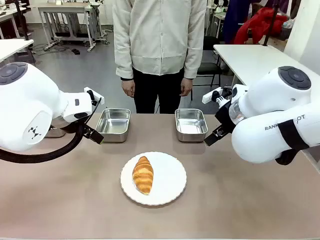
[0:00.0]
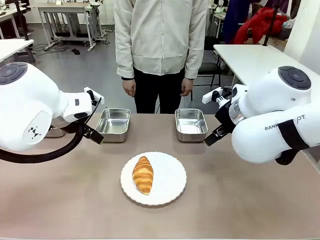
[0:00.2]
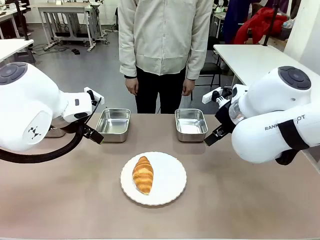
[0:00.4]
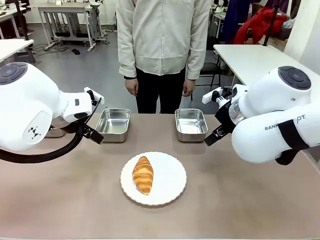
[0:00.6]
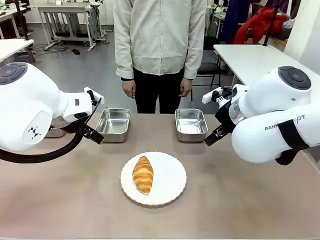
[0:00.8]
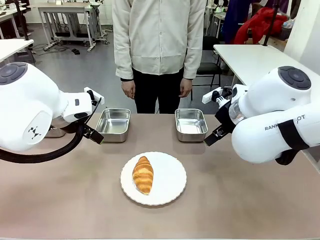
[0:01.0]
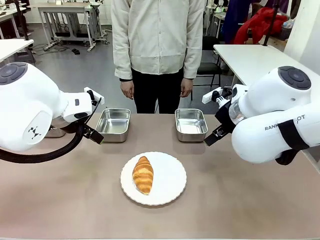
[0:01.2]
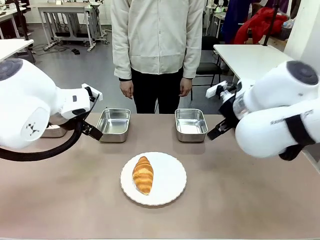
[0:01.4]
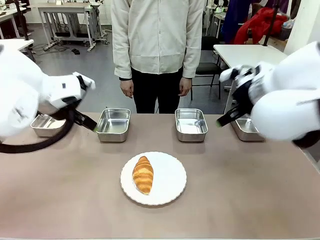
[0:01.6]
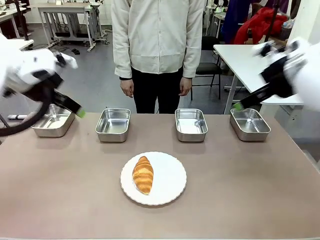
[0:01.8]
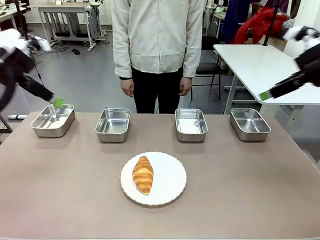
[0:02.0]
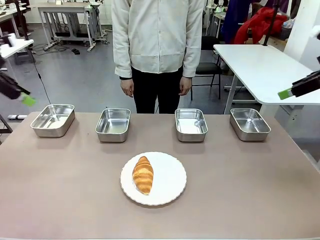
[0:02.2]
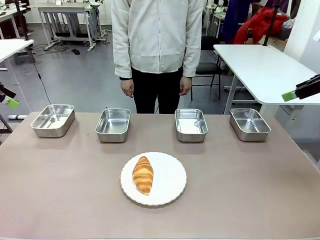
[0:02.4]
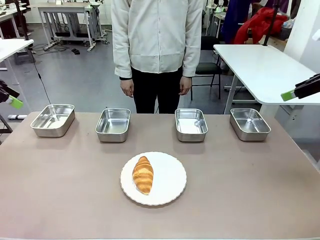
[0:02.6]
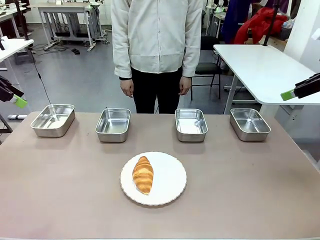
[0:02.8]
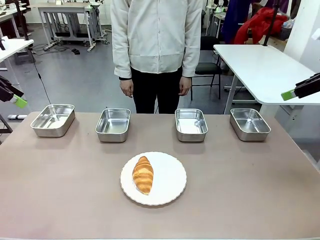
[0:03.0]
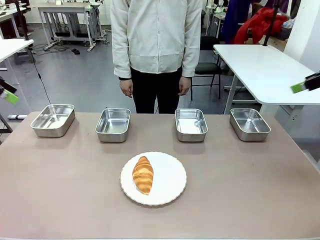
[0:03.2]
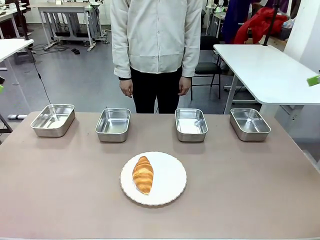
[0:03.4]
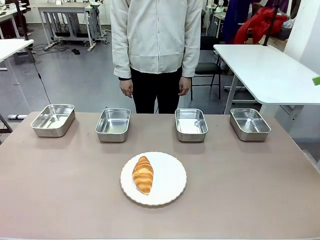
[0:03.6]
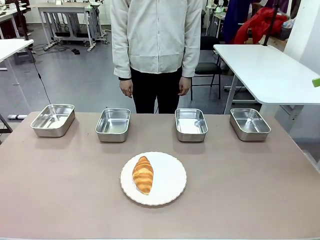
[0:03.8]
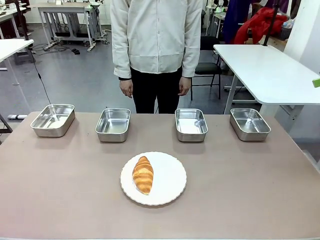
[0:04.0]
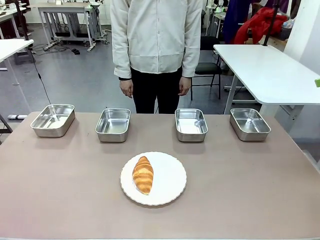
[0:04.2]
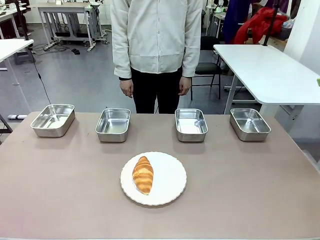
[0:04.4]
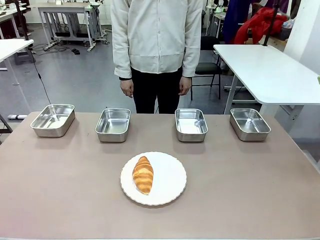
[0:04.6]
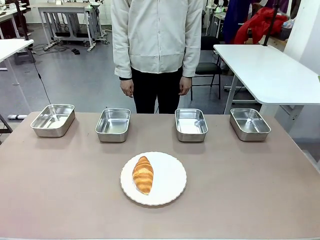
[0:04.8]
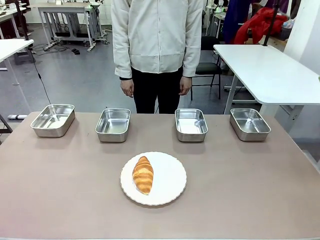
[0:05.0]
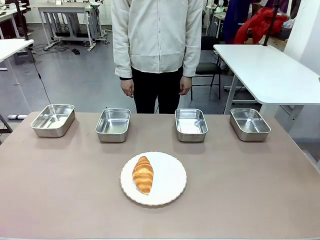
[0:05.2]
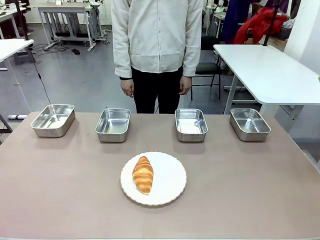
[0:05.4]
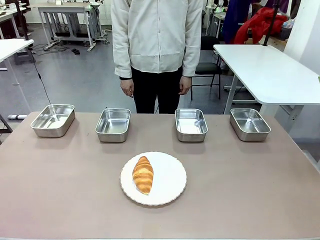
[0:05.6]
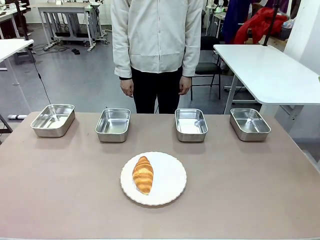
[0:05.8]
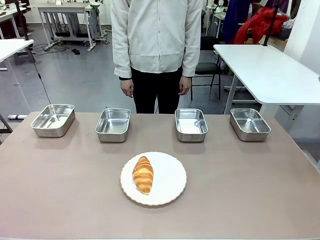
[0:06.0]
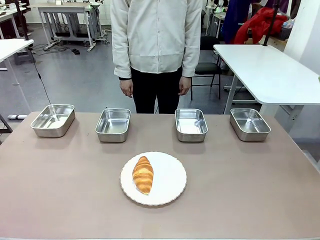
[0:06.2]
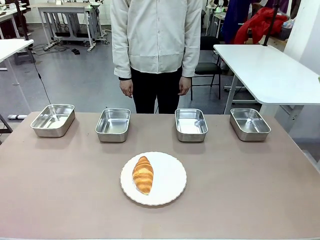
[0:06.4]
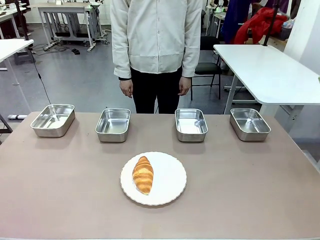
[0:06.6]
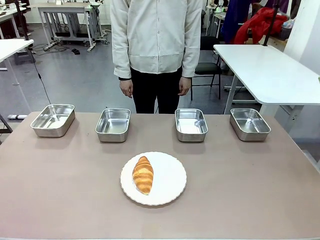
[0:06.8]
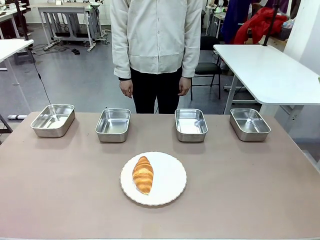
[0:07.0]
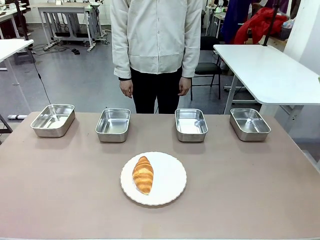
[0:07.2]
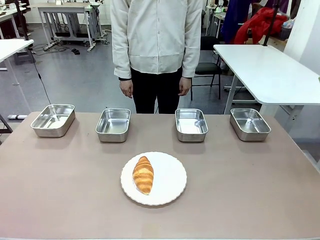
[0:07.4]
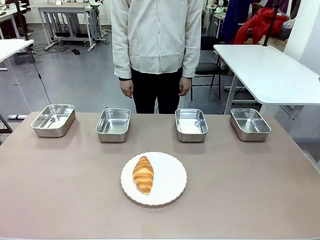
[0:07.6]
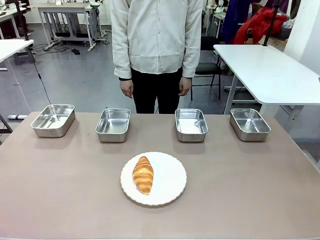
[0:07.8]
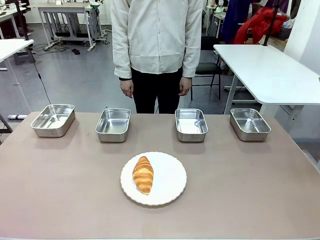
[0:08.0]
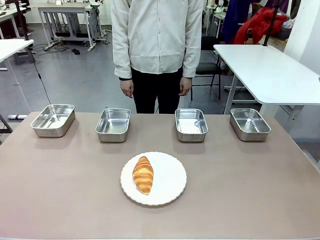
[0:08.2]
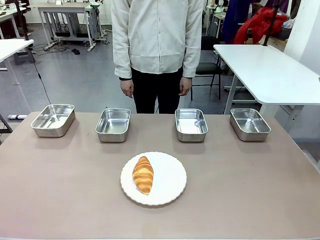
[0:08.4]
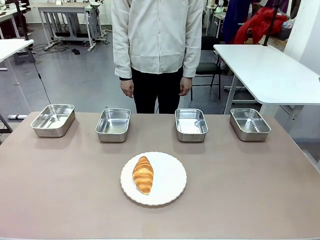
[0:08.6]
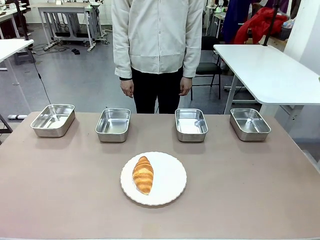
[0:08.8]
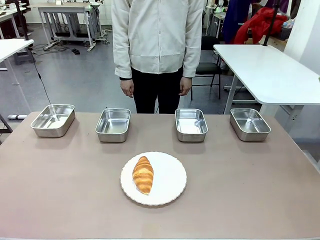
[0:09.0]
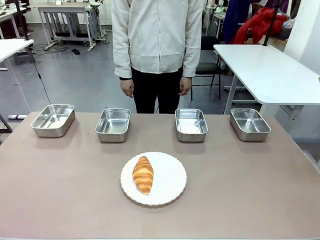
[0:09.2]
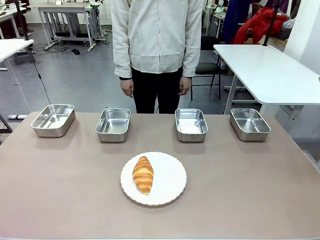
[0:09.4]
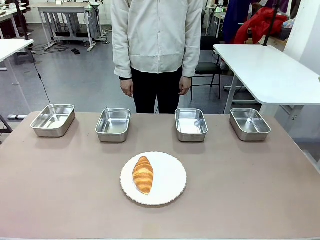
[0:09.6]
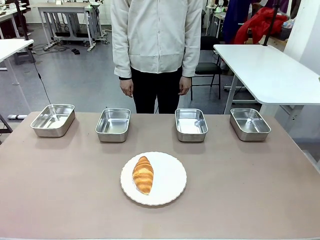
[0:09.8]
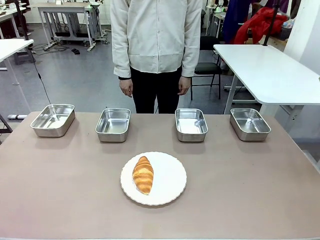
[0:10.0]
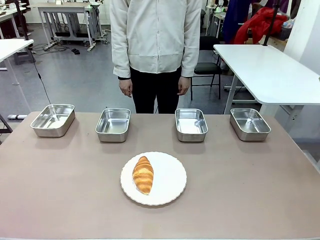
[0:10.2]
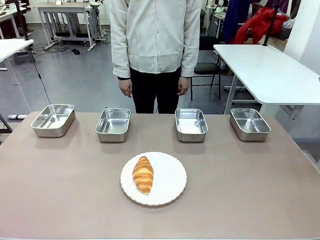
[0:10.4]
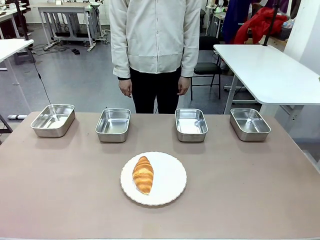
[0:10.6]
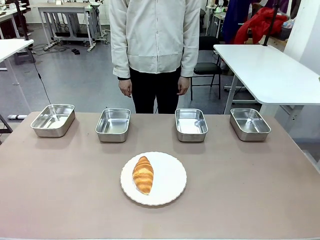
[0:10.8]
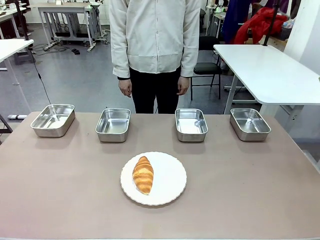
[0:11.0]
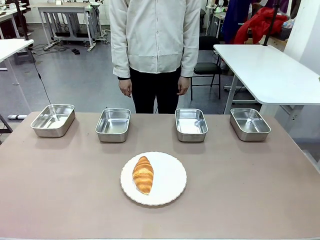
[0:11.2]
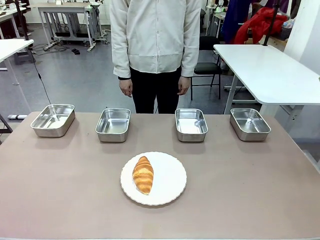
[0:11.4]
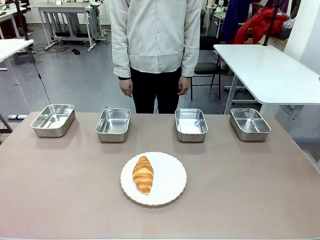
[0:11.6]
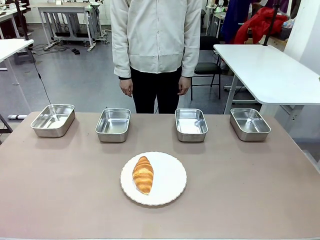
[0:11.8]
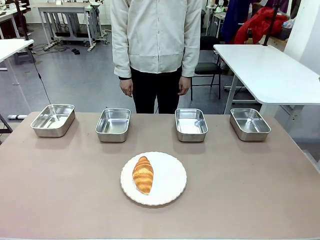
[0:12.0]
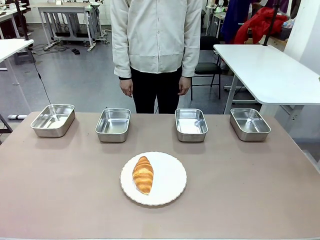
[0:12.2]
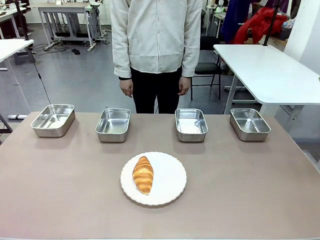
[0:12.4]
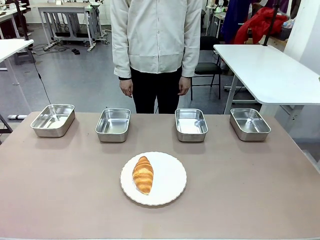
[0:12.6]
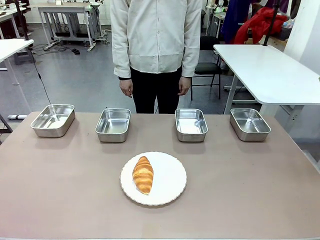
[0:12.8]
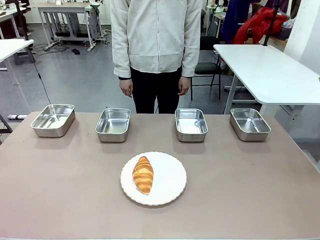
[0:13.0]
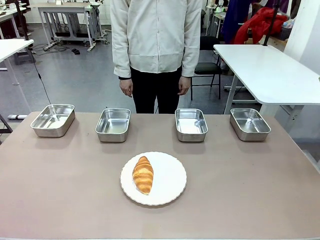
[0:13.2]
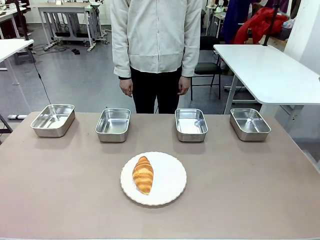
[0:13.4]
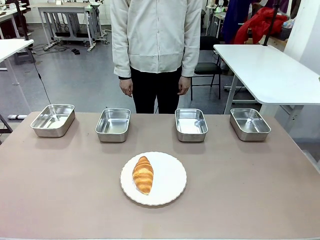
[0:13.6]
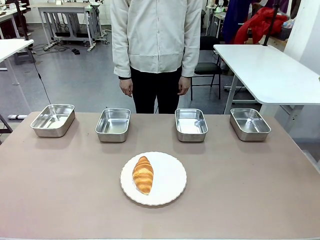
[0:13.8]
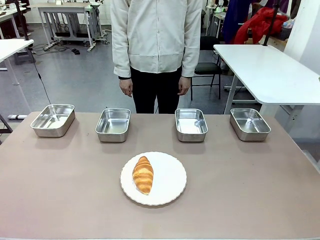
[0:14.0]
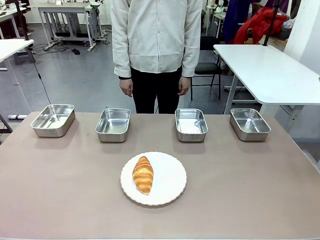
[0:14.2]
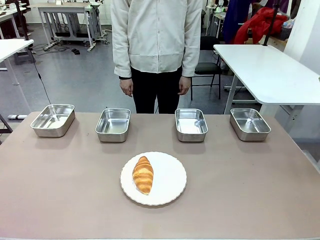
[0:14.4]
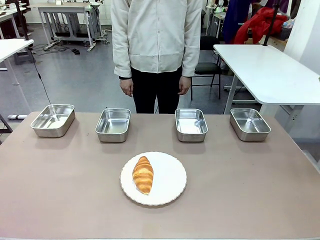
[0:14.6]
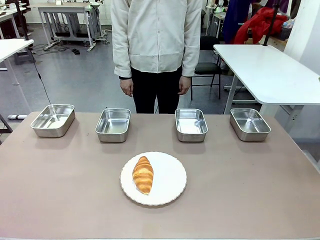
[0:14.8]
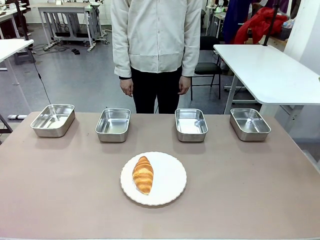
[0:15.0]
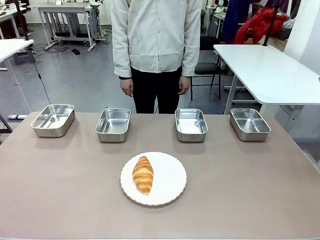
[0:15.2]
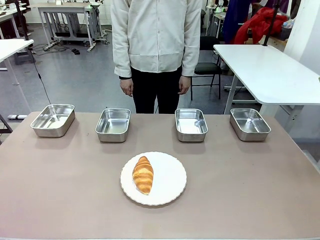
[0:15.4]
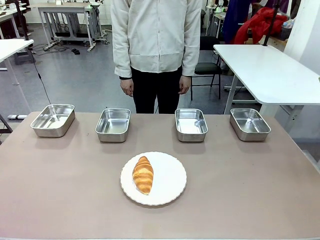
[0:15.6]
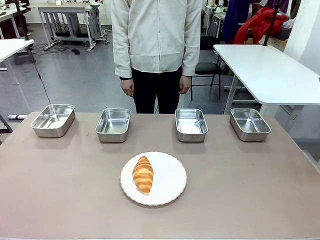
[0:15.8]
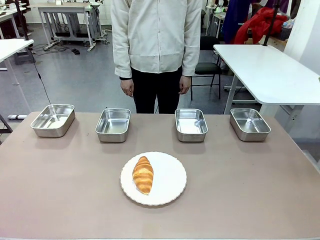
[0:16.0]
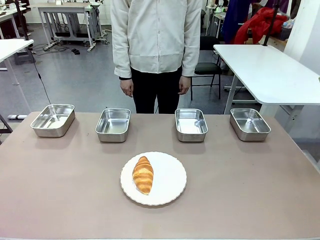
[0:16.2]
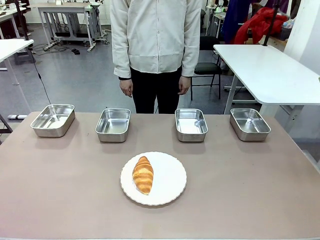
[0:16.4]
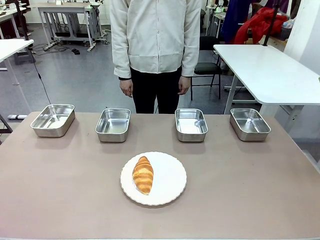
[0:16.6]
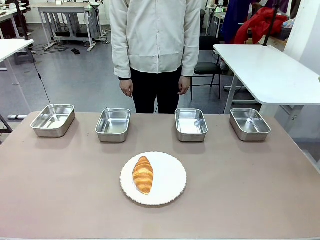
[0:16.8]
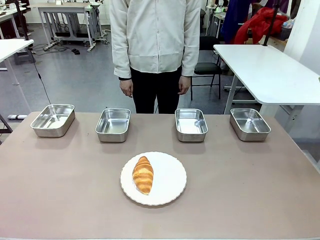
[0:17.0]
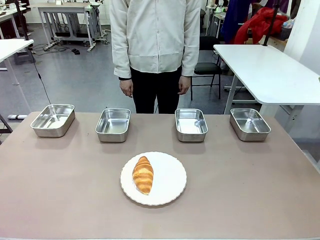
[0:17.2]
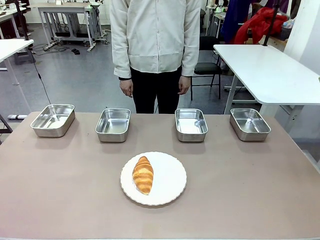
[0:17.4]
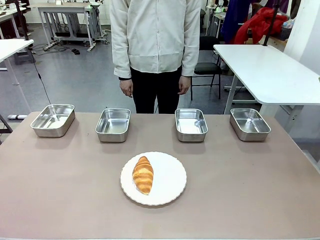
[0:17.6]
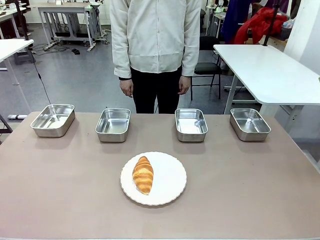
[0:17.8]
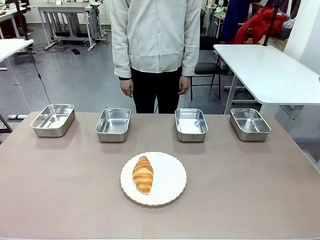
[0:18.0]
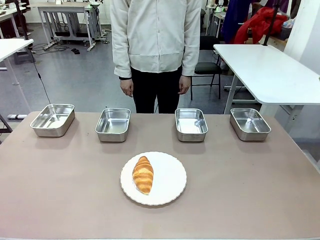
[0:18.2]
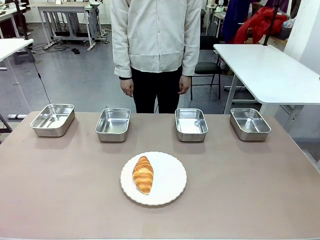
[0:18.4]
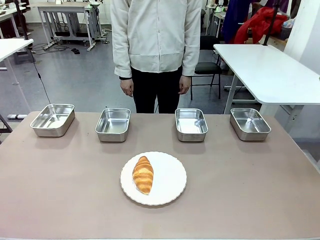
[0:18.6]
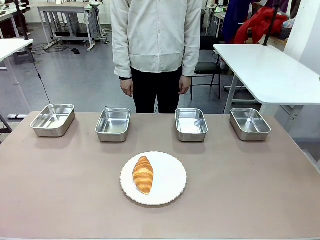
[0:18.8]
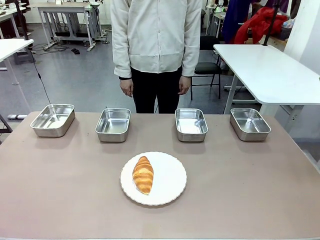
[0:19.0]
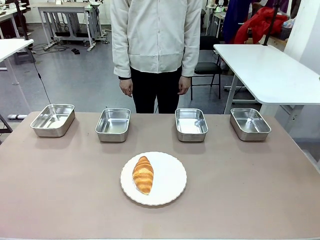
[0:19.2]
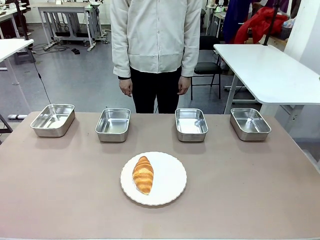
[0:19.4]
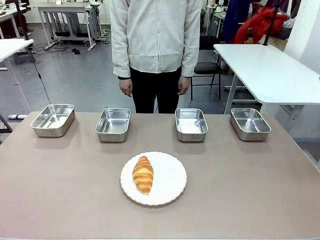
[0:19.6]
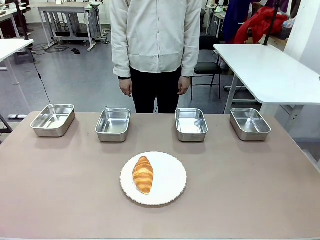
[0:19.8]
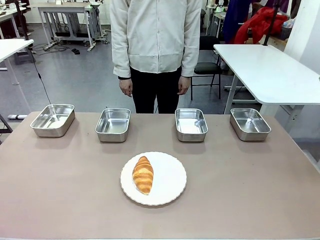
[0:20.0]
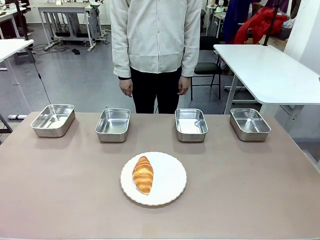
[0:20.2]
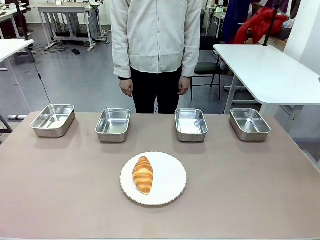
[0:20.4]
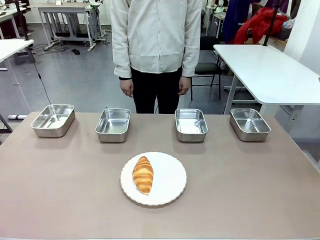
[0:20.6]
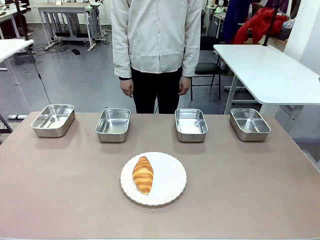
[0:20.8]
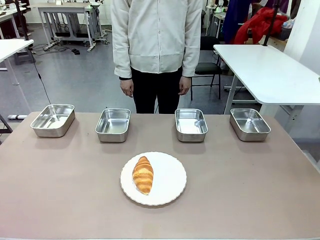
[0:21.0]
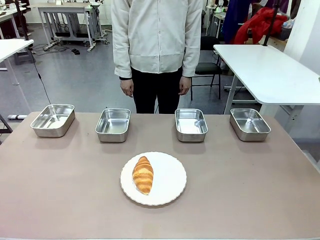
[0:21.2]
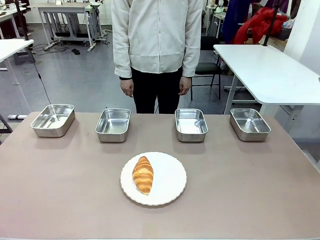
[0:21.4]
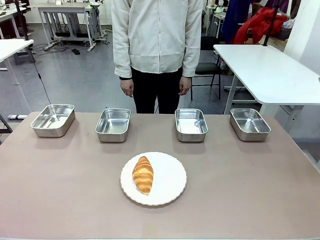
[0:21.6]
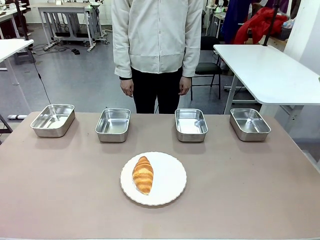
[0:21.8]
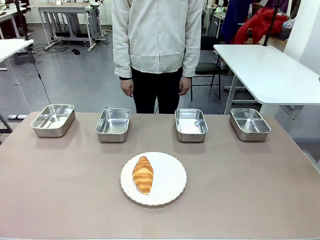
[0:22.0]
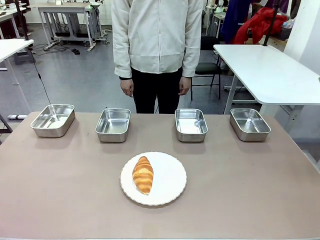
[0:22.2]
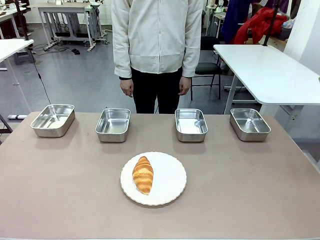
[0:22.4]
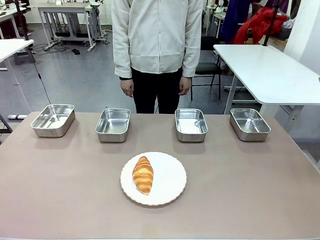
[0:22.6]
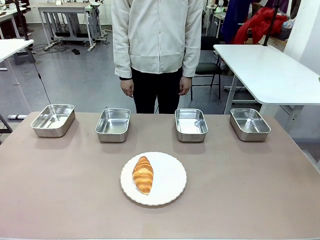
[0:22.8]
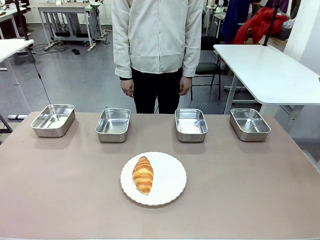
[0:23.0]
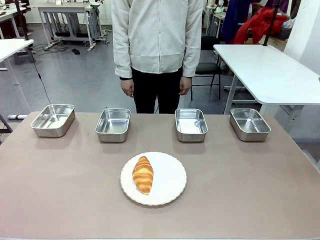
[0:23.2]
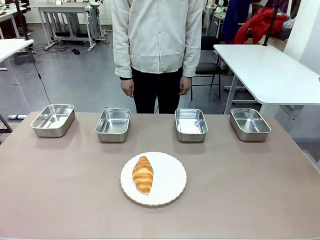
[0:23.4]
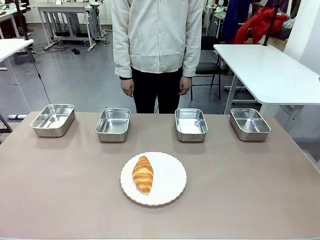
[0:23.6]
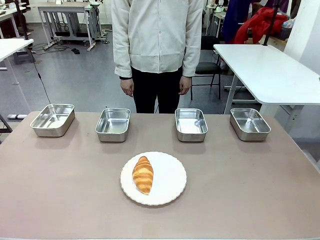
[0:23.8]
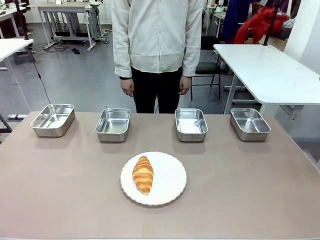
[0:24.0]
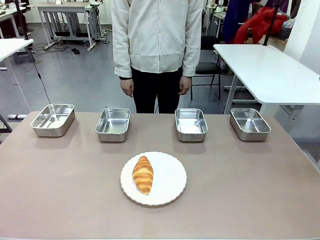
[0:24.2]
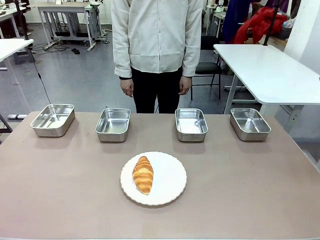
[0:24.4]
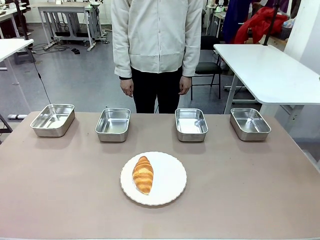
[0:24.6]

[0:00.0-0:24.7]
Task: Place the bread in the container.
Robot: Place the Butter Roll into the Airtight Container indicated by the human.
